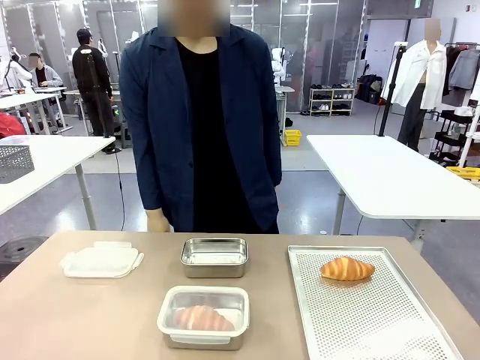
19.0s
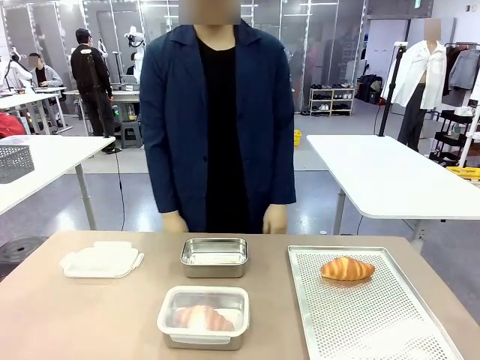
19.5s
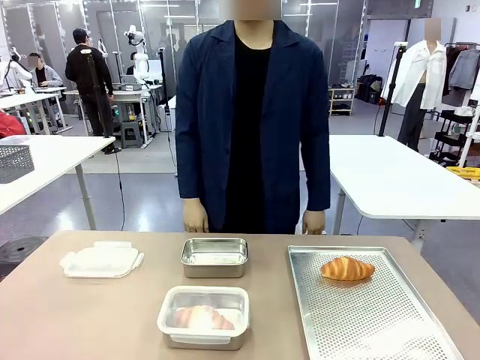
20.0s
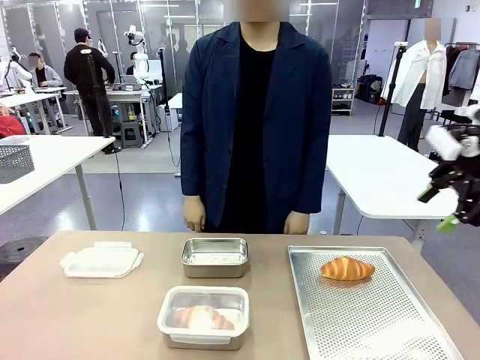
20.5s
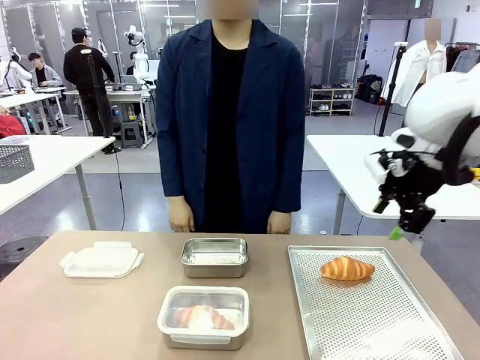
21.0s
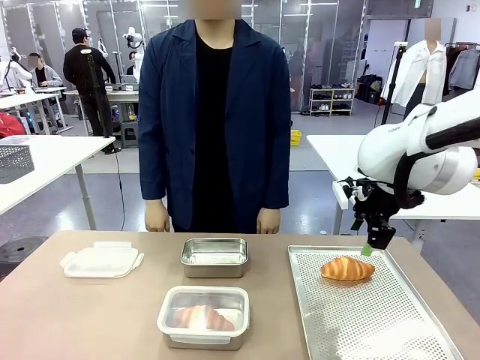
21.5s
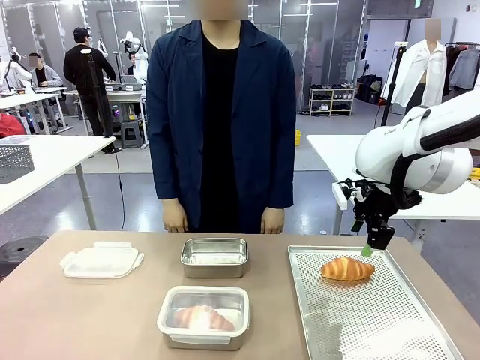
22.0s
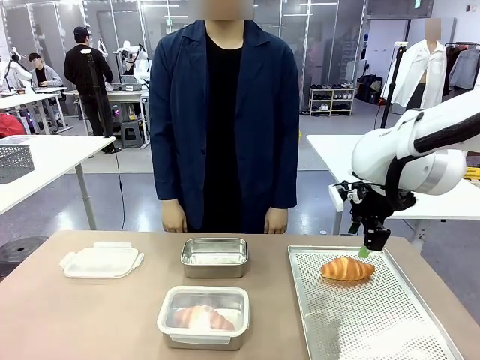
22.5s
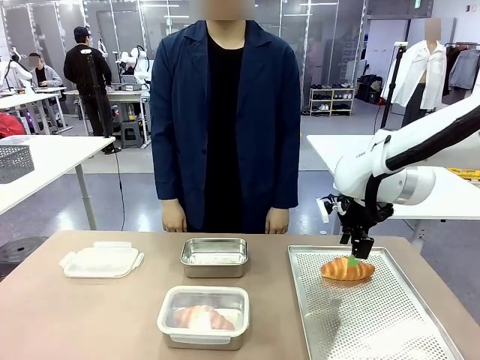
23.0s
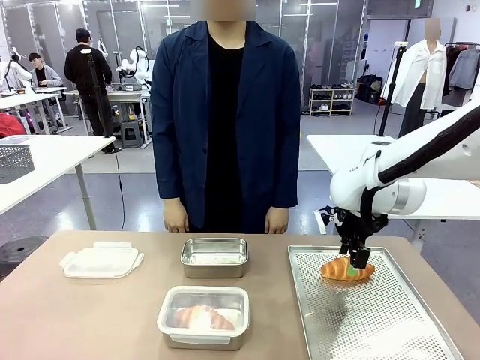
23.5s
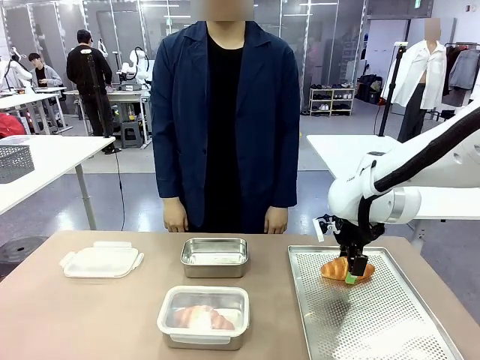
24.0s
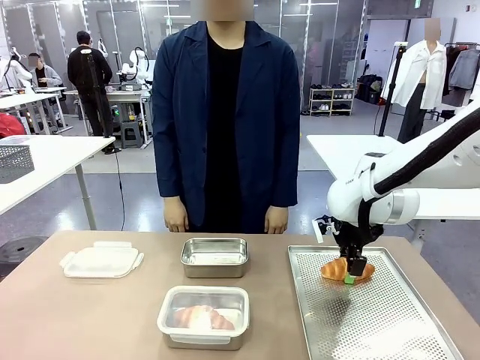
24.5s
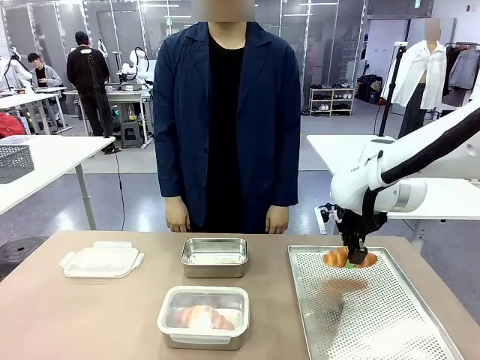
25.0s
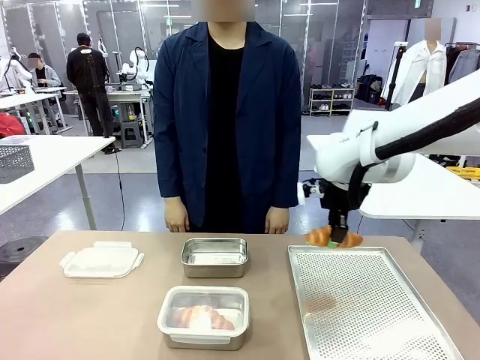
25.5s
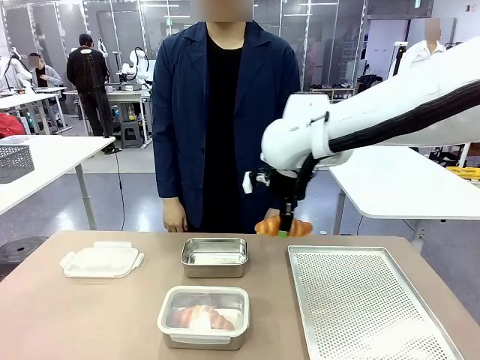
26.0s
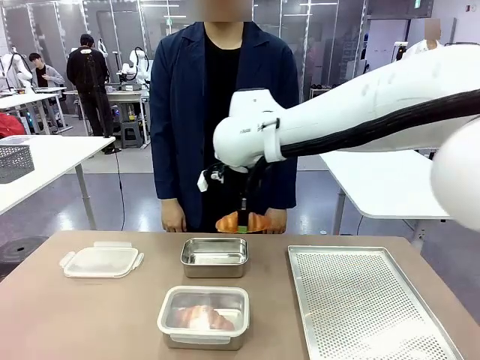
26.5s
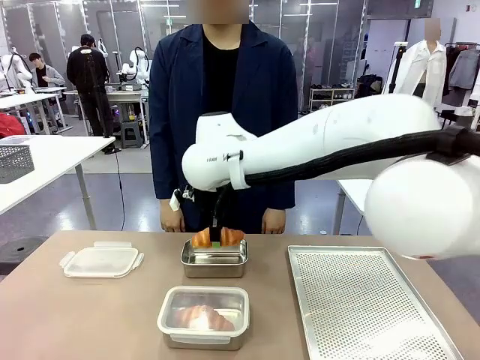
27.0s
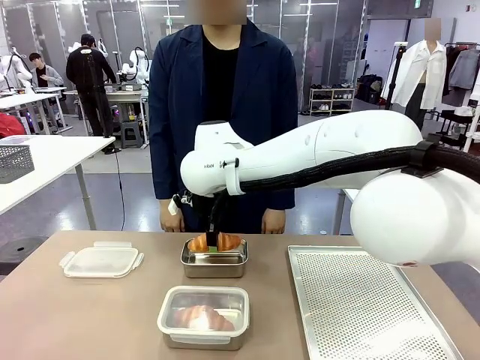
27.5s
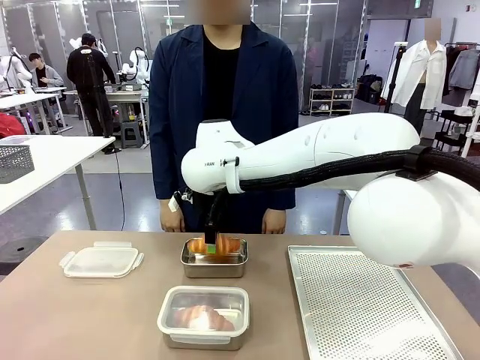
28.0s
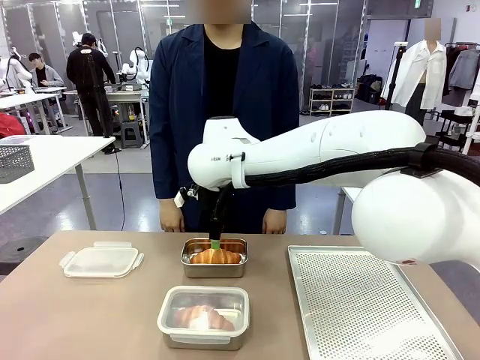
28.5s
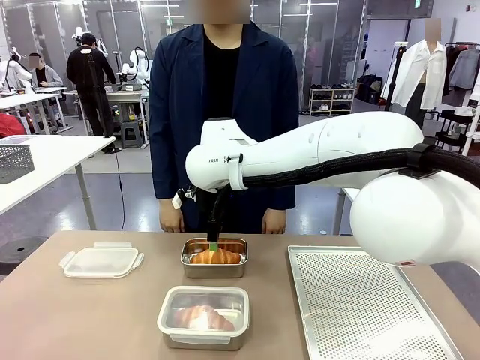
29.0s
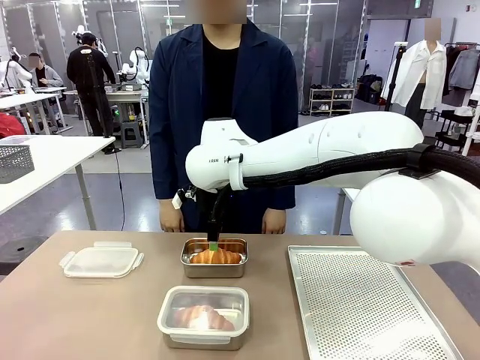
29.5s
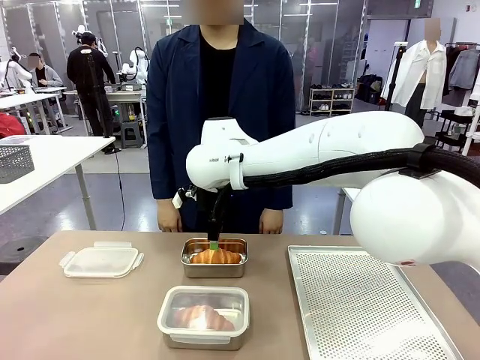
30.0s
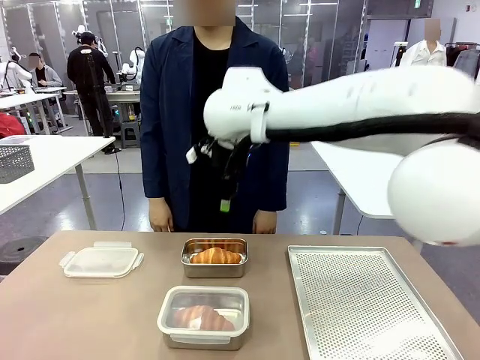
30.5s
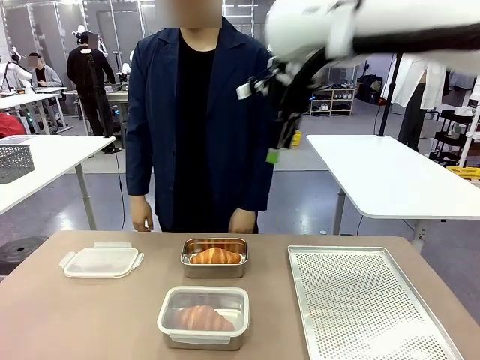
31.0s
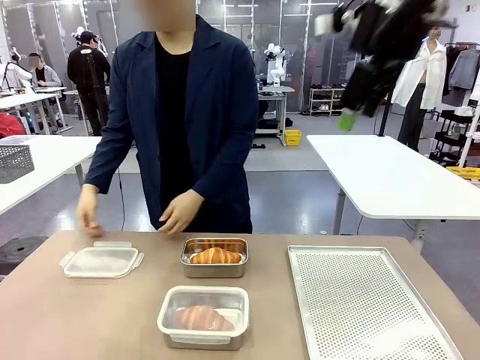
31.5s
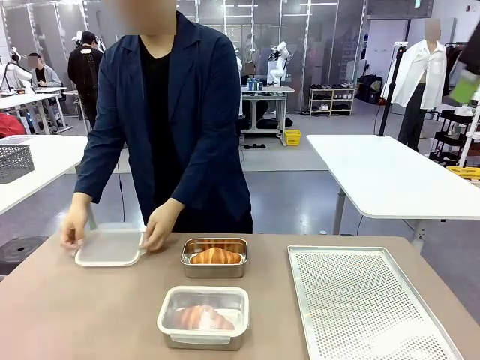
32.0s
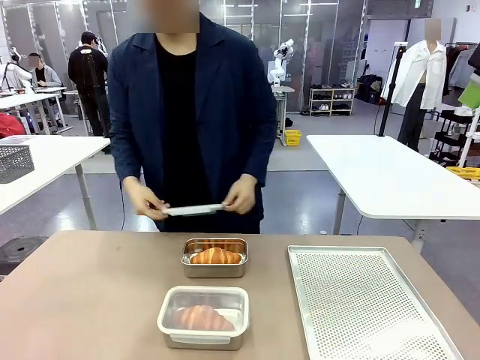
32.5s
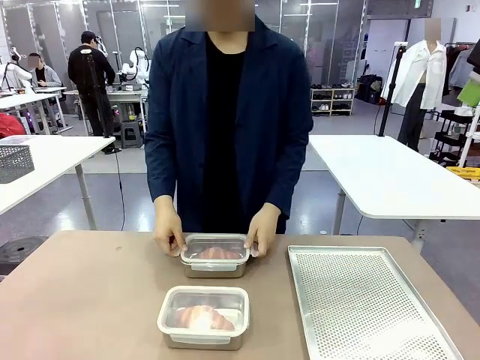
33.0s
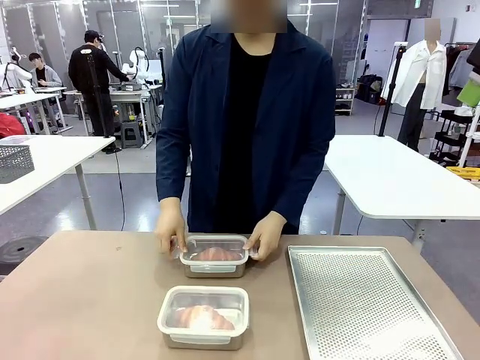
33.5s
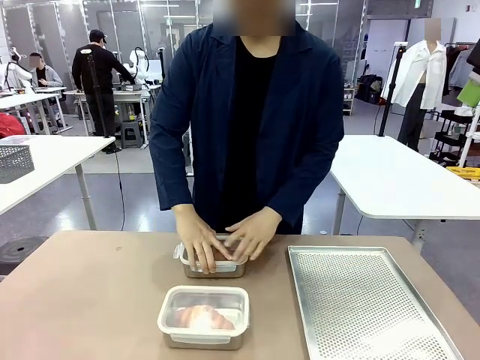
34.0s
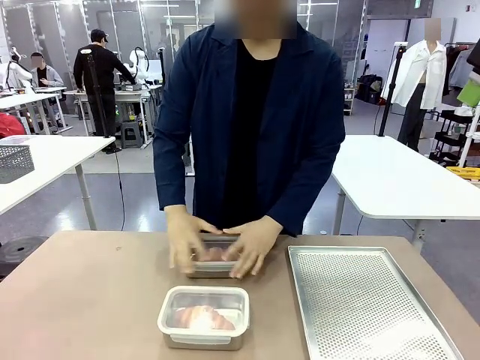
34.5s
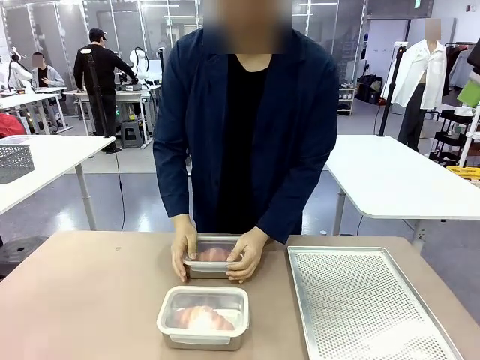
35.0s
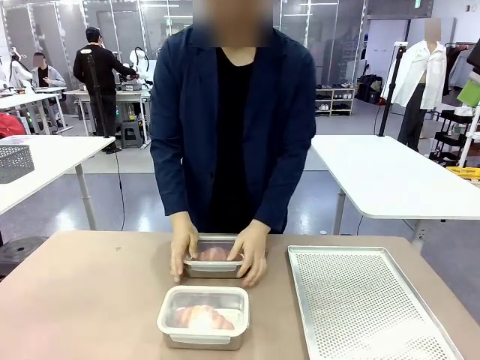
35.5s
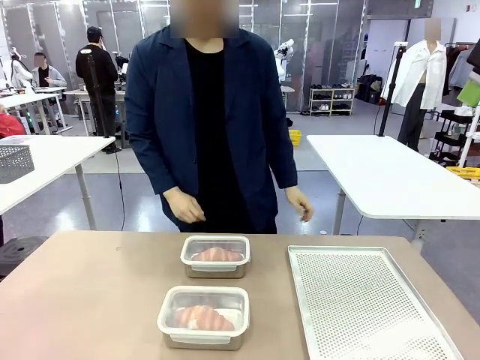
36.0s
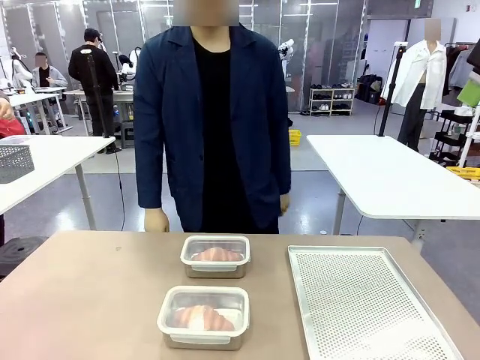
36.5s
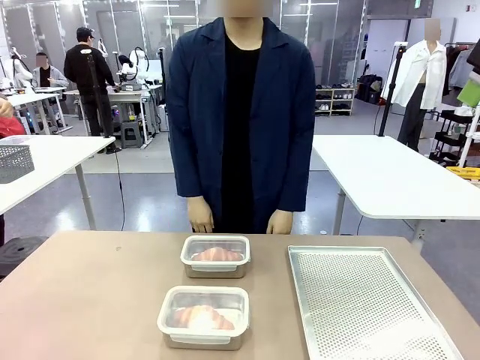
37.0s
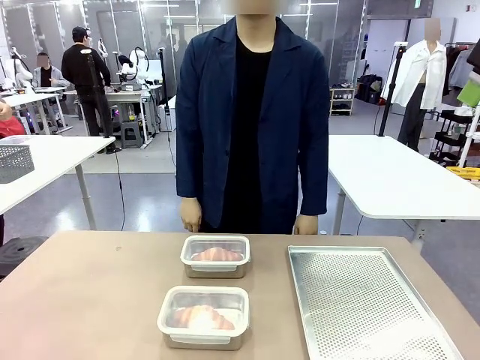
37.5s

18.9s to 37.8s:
Task: Place the bread into the airtight container.
Robot: Pick up a Butter Roll and place it into an empty Airtight Container.
